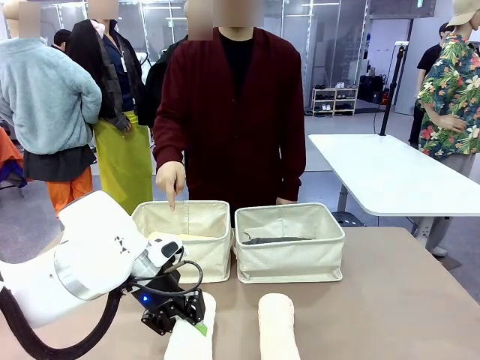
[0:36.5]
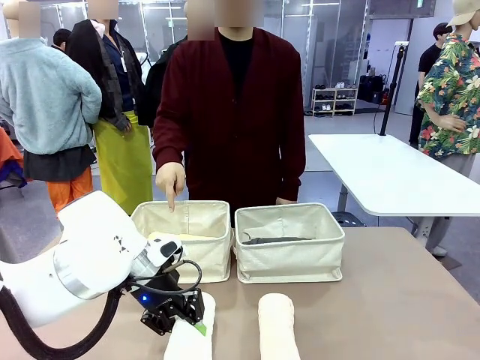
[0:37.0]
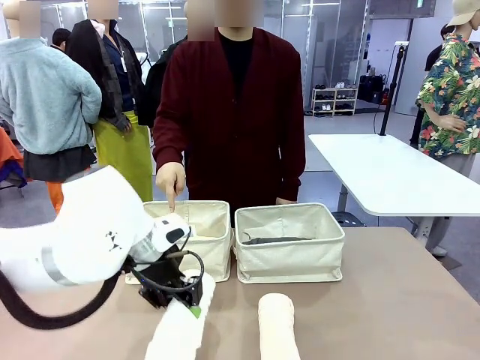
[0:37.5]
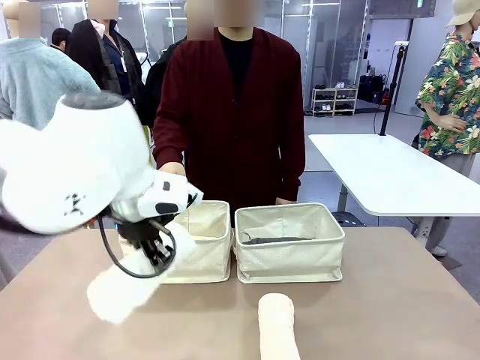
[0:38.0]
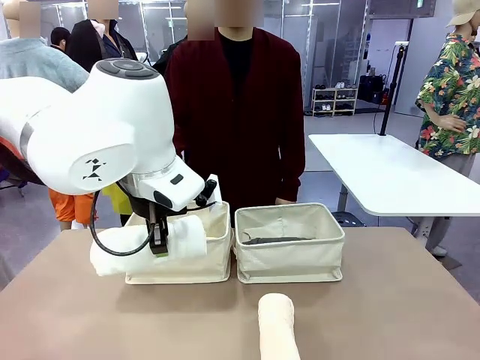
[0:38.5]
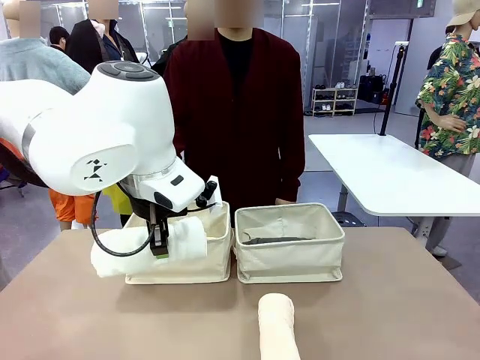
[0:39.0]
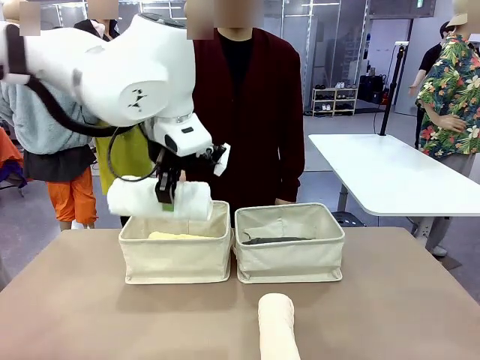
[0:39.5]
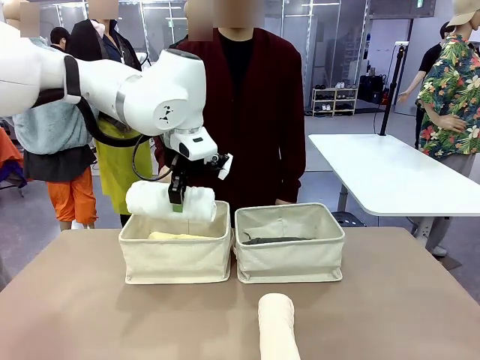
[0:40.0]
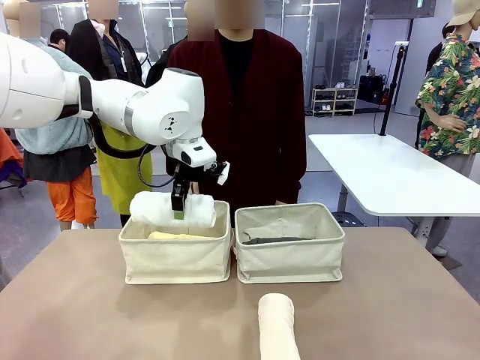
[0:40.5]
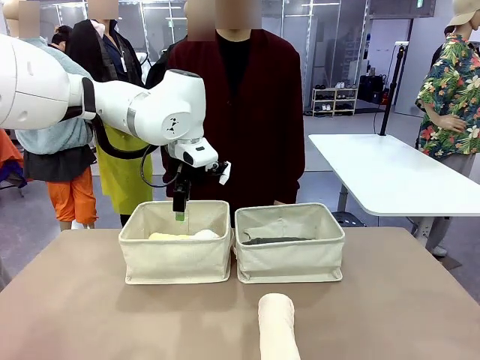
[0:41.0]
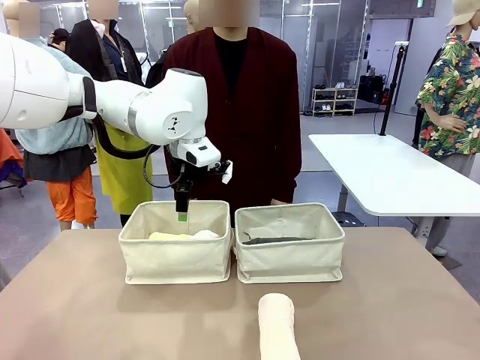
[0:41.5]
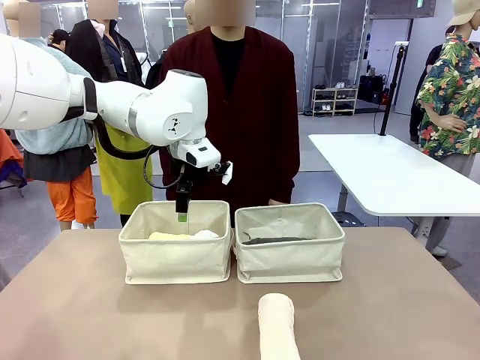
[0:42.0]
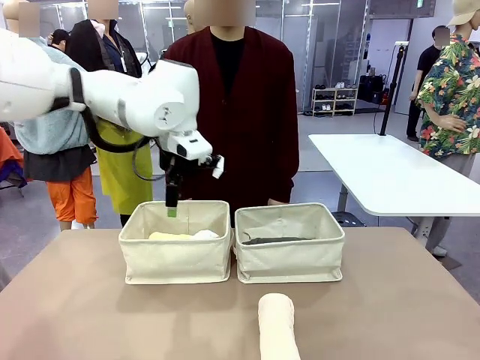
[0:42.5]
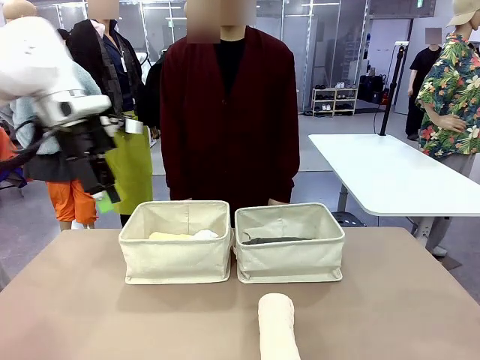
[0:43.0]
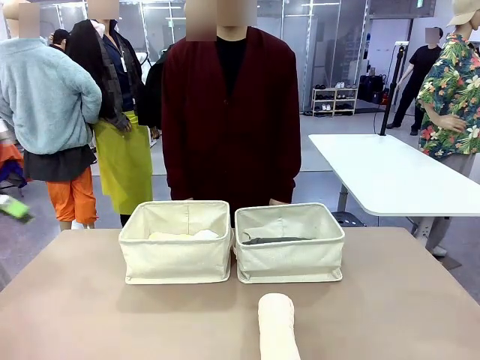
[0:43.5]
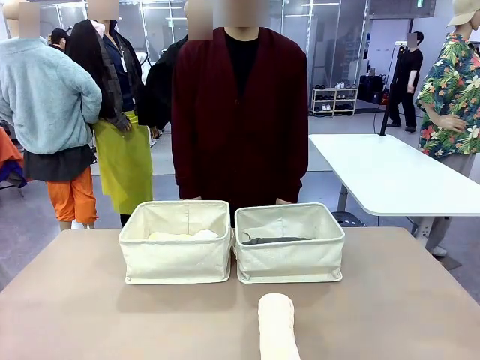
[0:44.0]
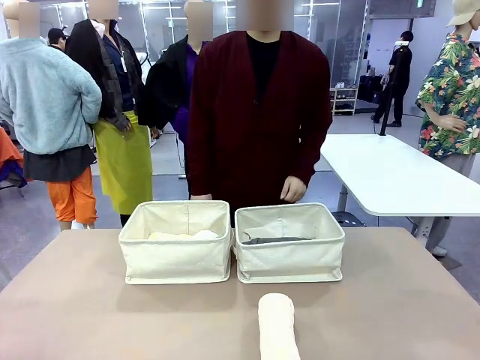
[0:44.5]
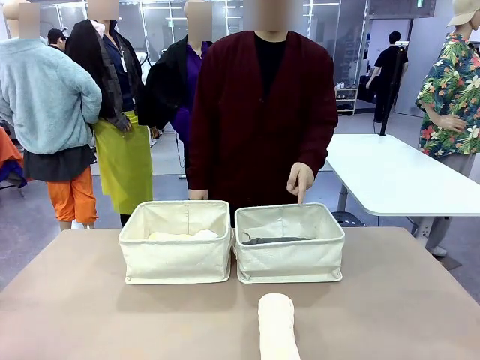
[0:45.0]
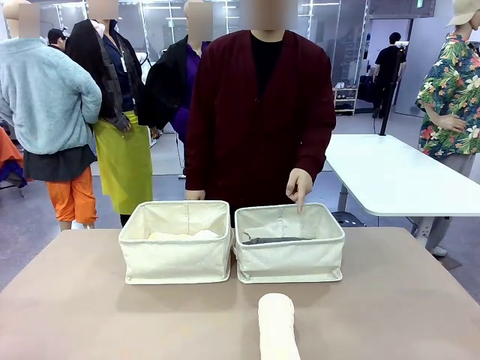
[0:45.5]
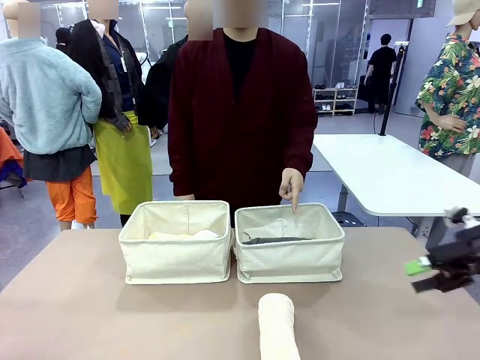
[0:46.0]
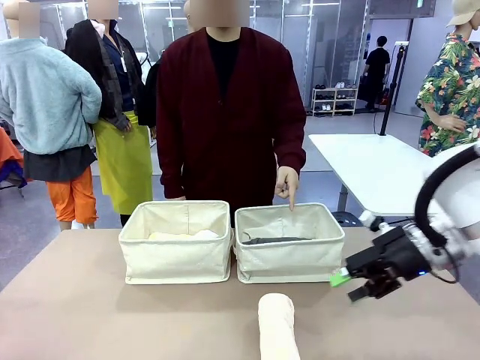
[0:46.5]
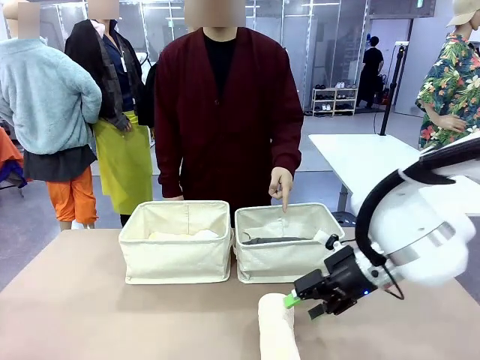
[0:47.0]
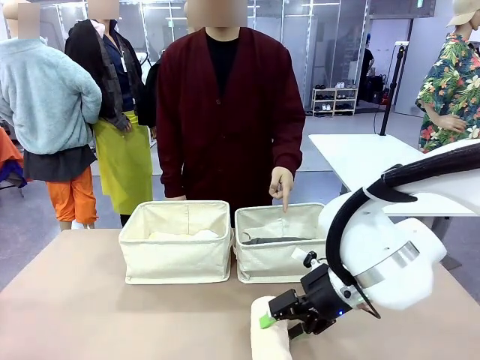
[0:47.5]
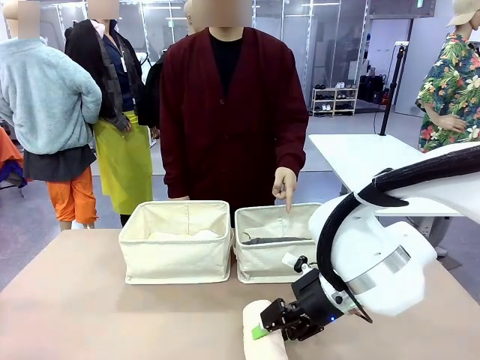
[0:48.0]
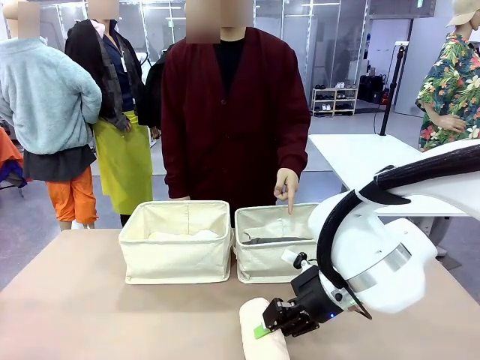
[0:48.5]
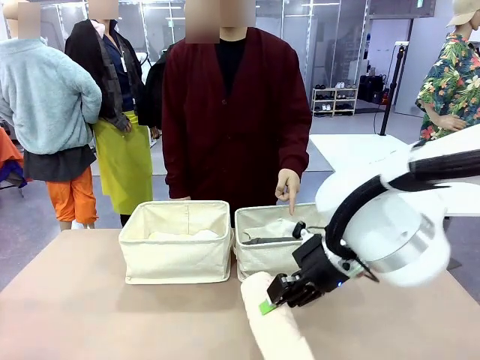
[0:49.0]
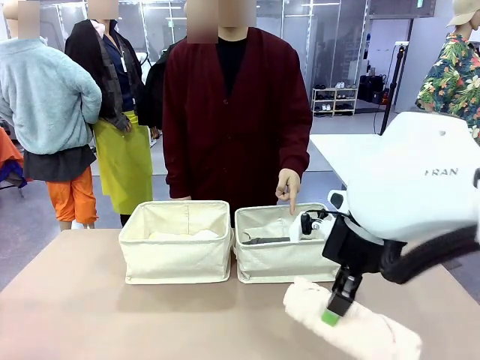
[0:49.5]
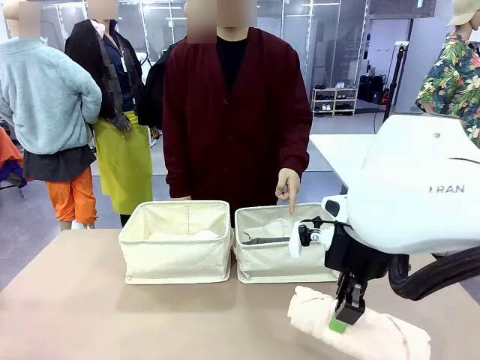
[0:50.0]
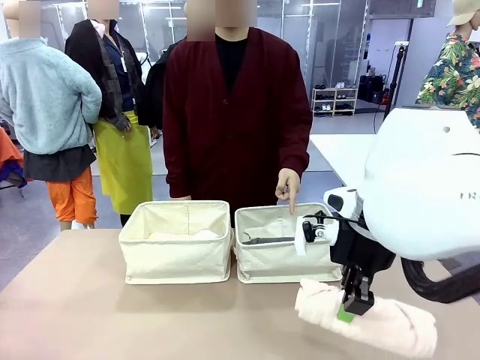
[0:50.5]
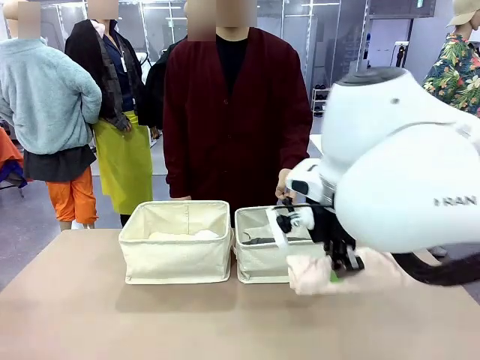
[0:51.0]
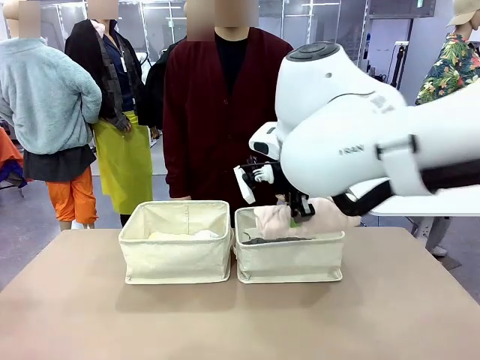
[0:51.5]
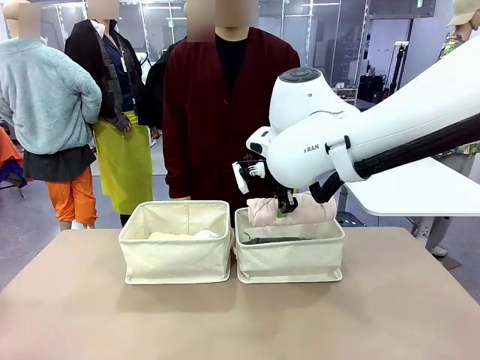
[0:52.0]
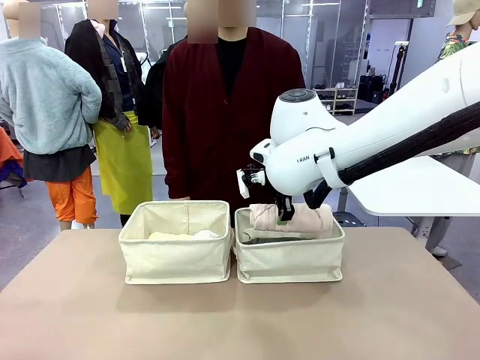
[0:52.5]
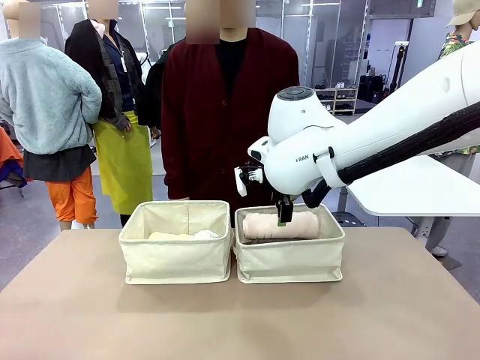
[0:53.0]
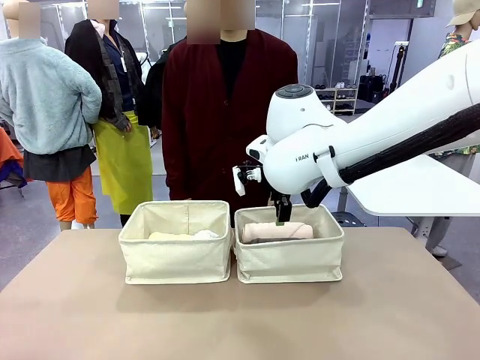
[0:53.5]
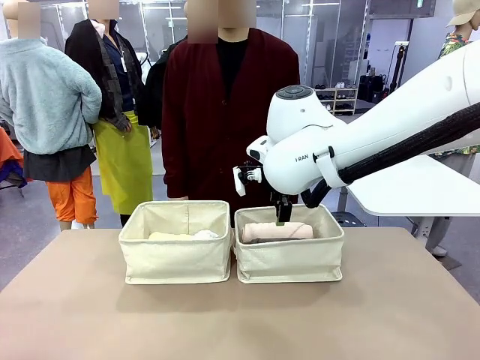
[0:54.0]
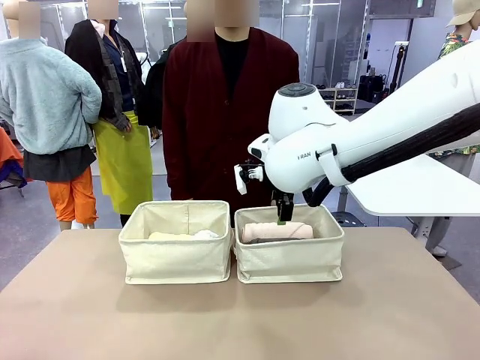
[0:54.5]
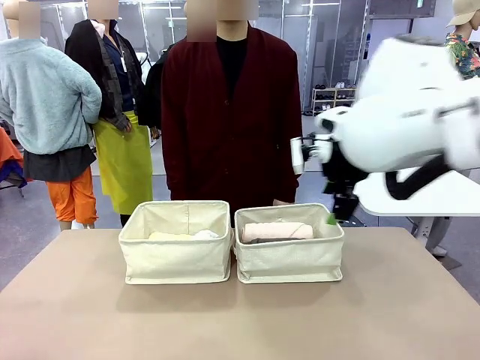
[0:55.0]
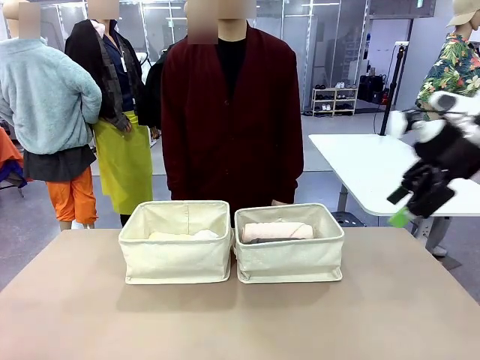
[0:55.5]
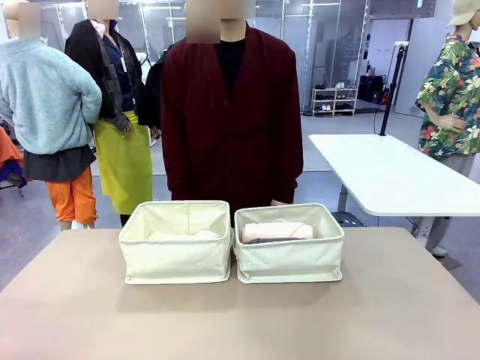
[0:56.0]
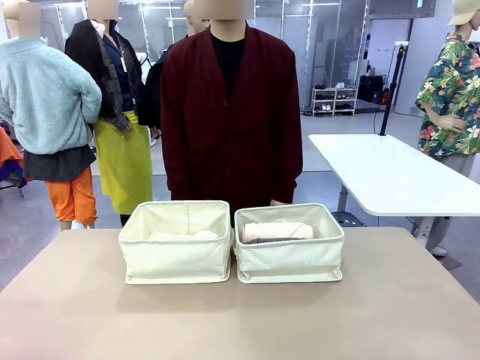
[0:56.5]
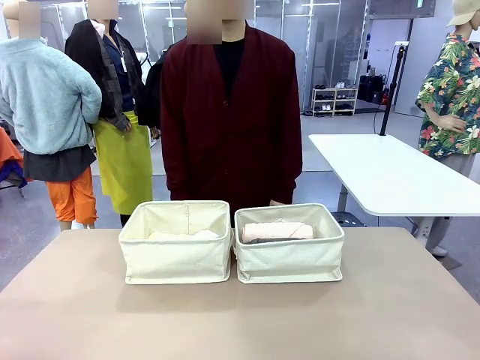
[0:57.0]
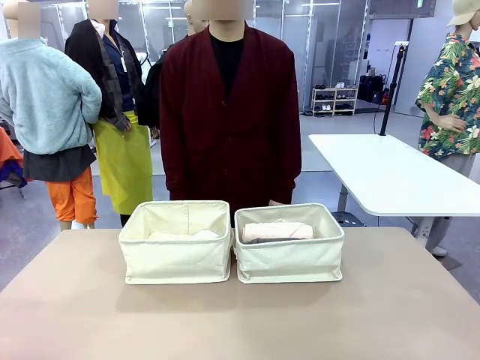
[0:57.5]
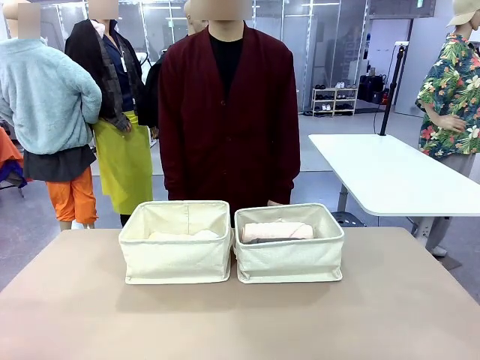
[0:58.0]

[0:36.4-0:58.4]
Task: Divide the towels into two baskets.
Robot: Pick up one hotel-folded towel from the bottom of the table and place it in the Fabric basket indicated by the person.
